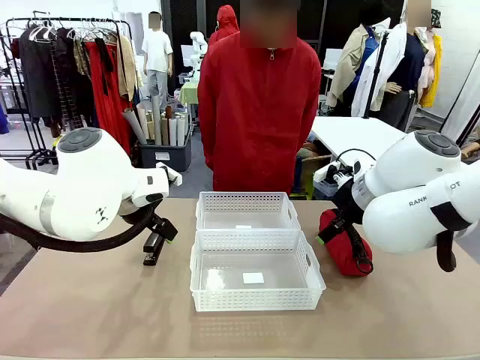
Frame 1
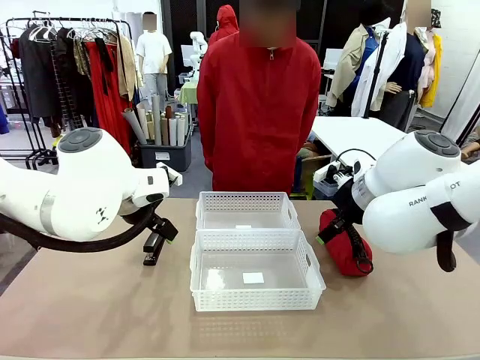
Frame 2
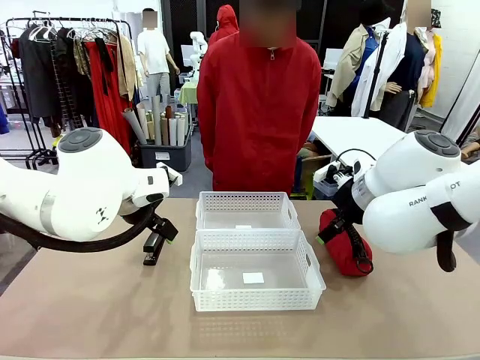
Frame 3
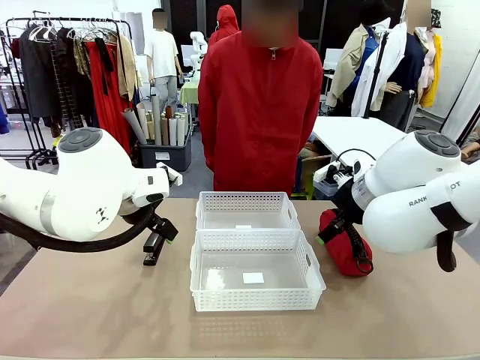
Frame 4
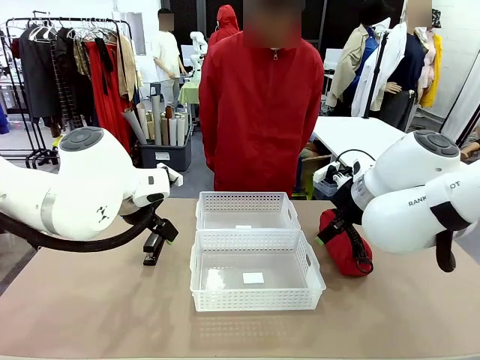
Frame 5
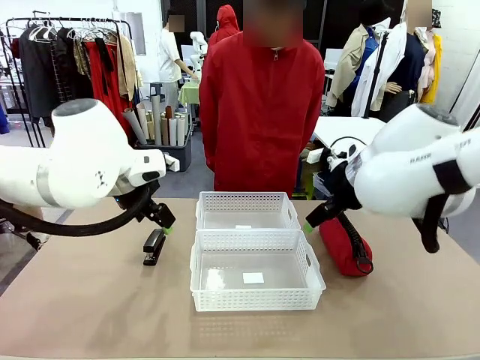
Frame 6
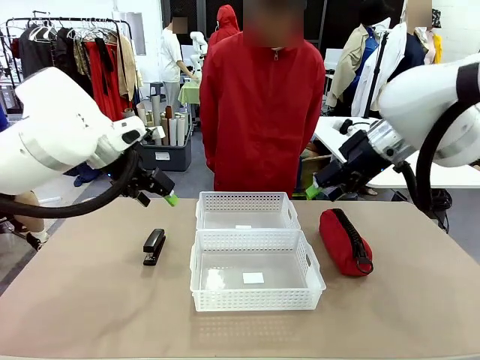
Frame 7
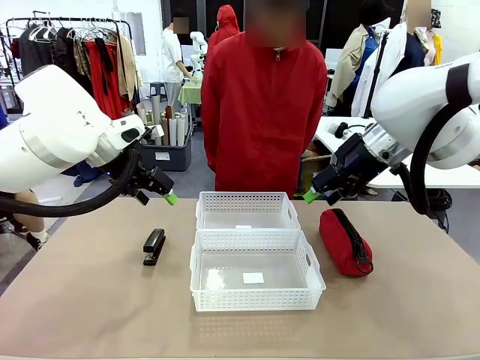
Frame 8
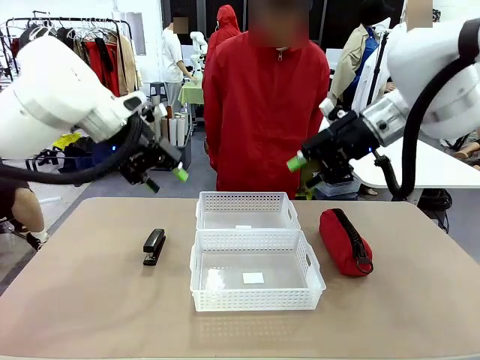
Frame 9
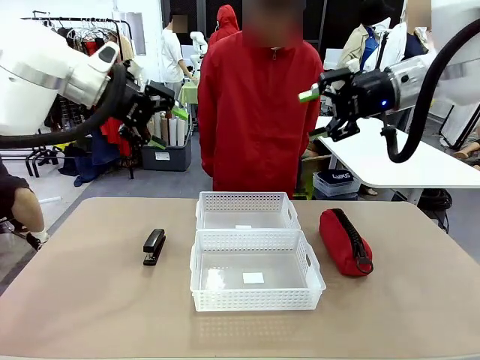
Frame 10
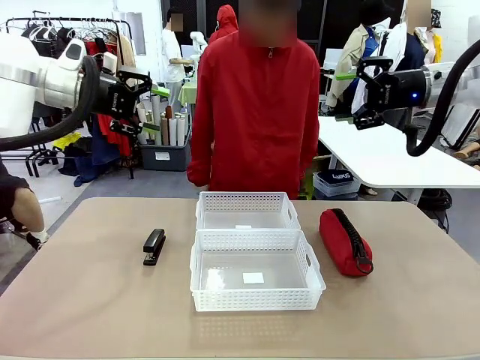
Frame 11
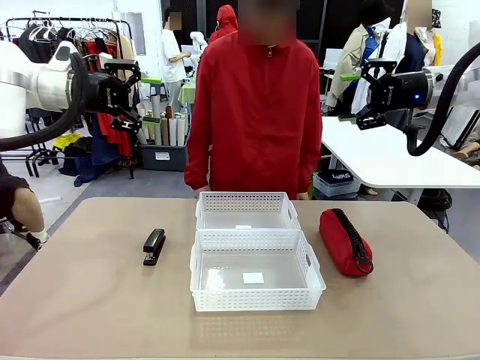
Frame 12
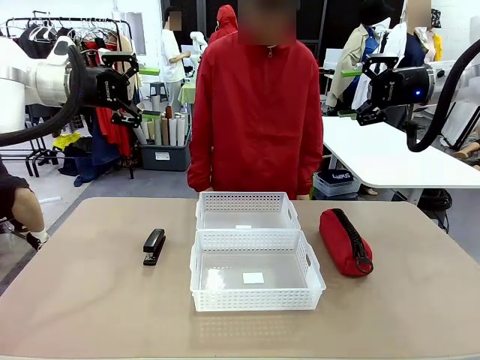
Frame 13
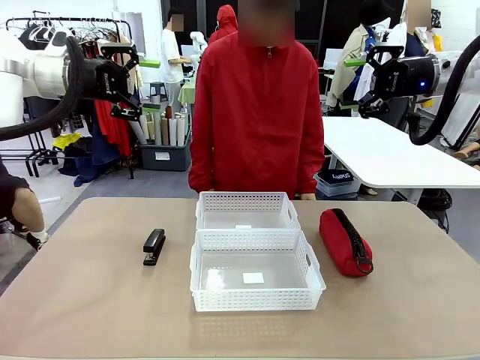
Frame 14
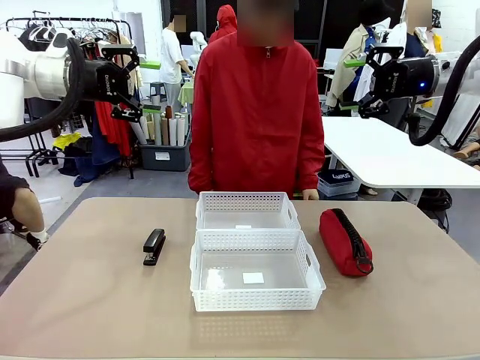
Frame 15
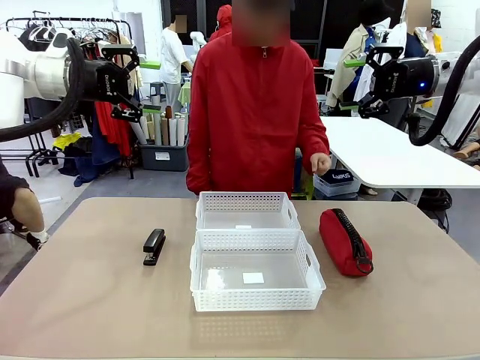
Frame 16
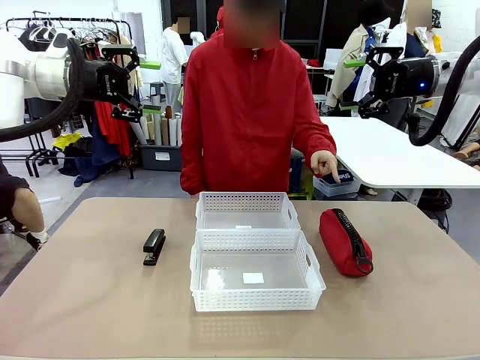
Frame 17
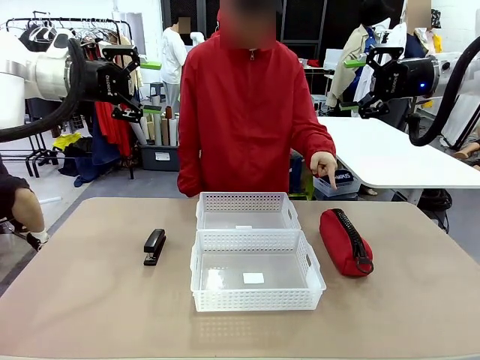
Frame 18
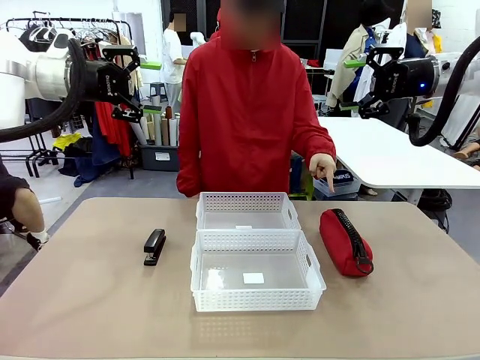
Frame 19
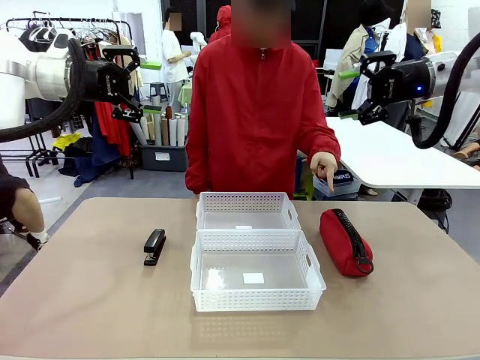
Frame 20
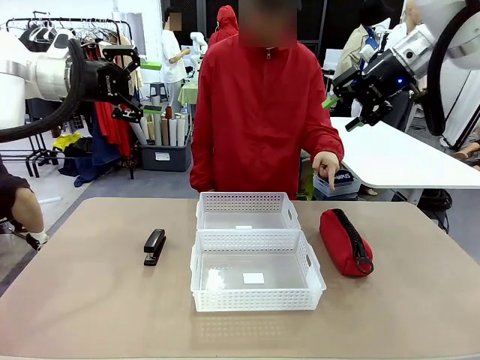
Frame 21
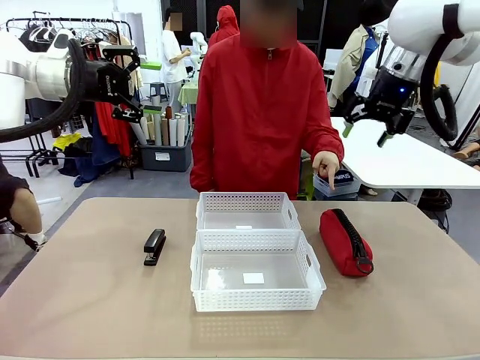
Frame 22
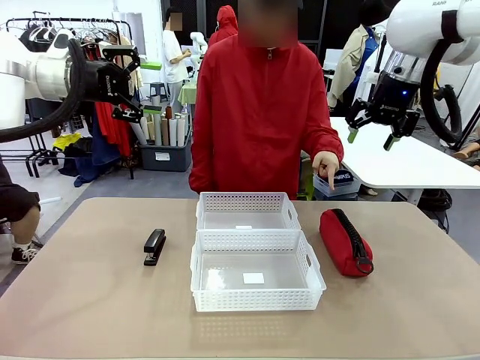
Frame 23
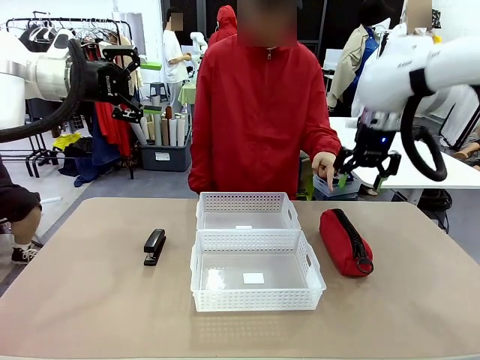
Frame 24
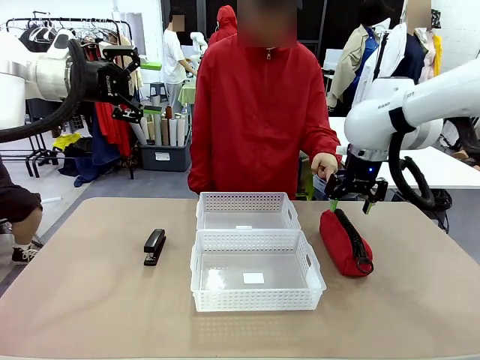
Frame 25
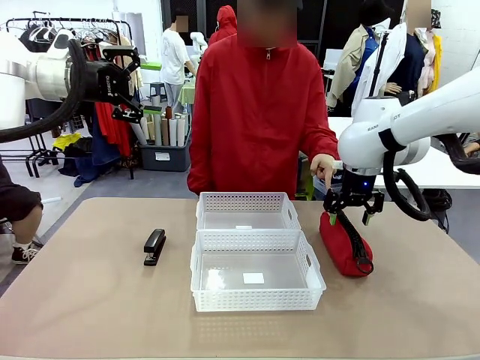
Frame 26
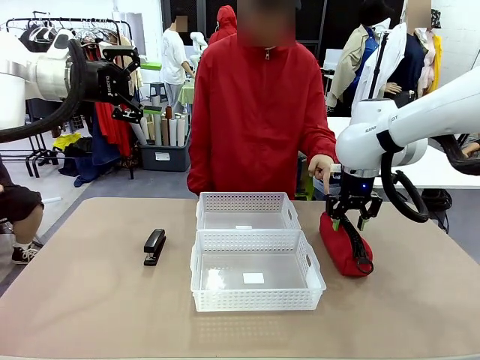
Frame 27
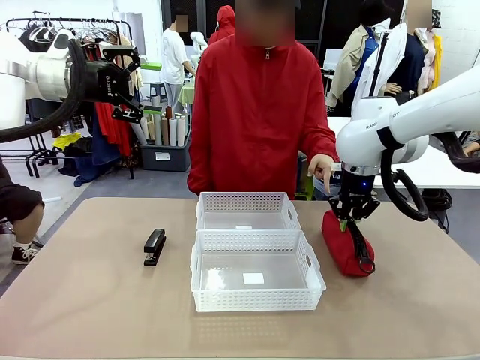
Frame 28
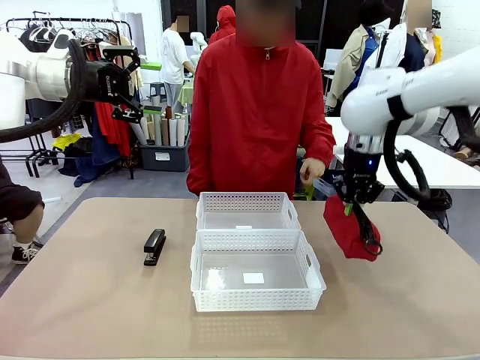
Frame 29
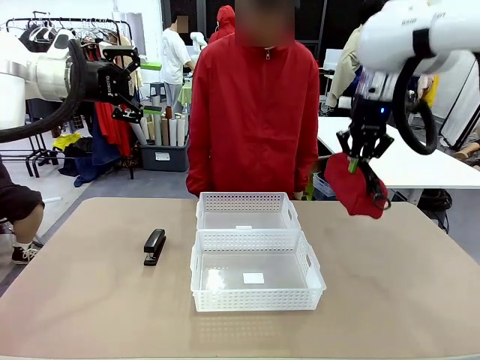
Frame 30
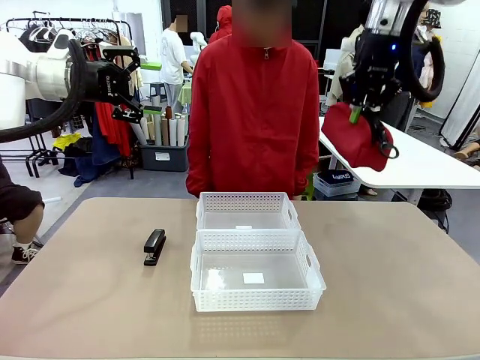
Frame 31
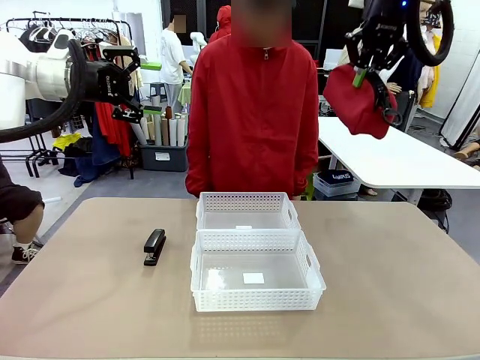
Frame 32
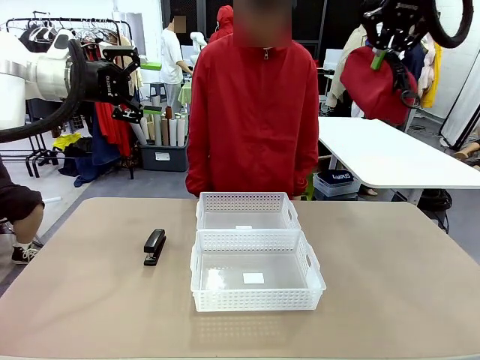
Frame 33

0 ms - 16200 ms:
Task: Distribute items into two baskets.
Robot: Pick up the Pencil pouch that the person points to.
Person: Points to the pencil case. Points between the two organizing baskets and instructs the robot to move the pencil case.

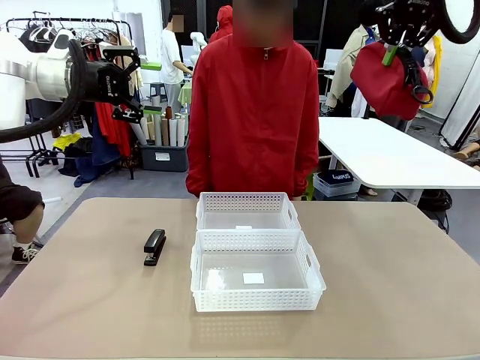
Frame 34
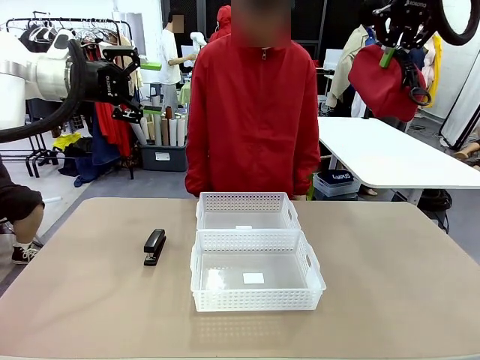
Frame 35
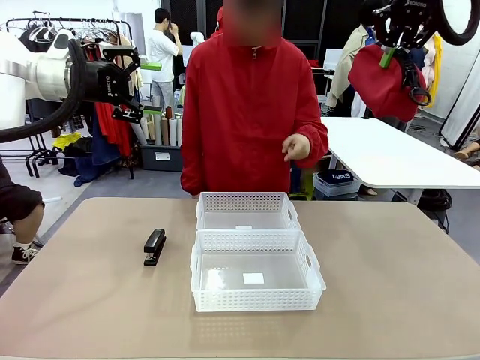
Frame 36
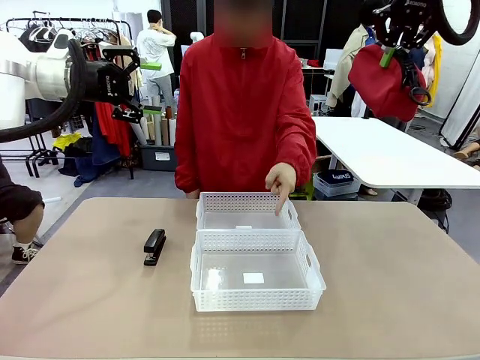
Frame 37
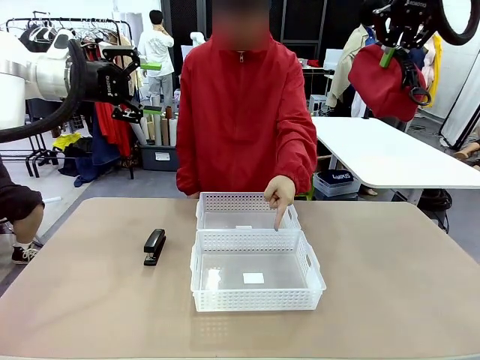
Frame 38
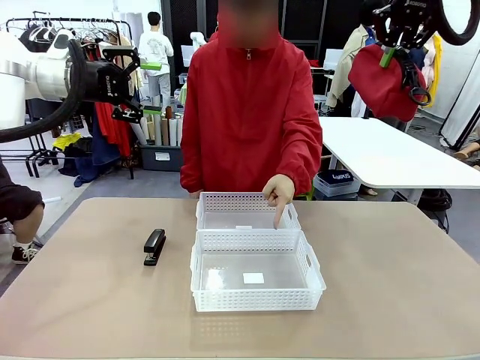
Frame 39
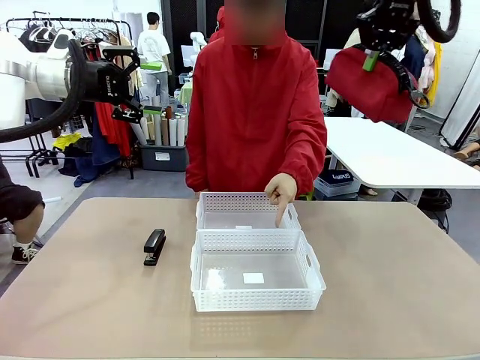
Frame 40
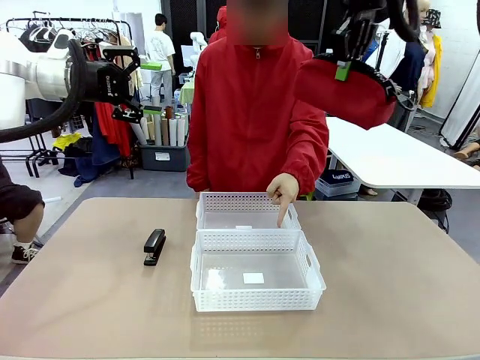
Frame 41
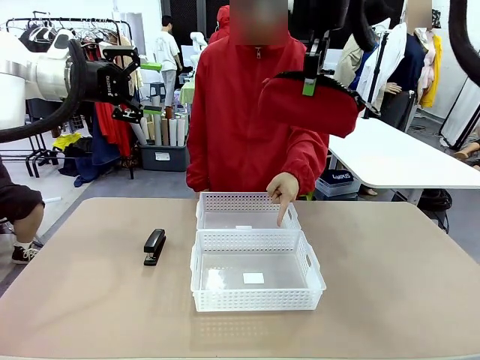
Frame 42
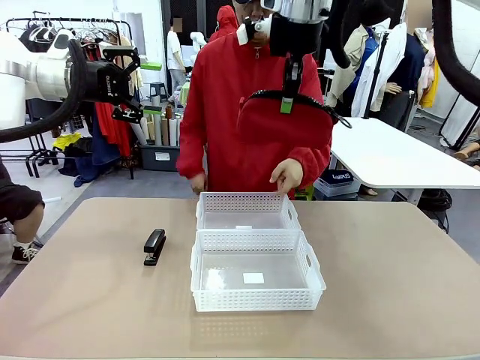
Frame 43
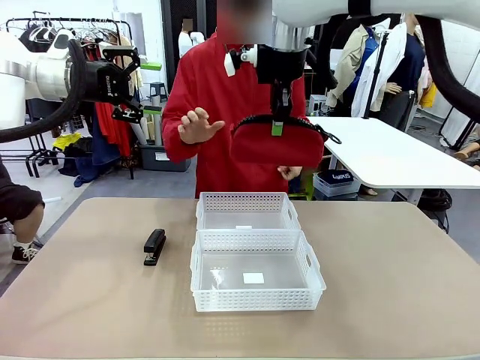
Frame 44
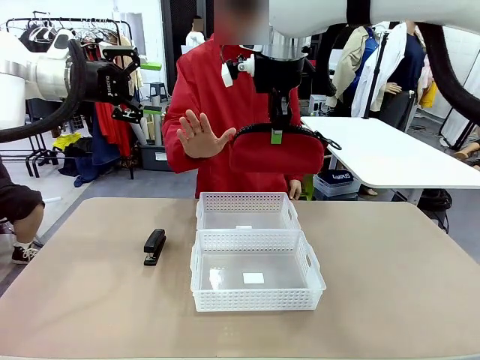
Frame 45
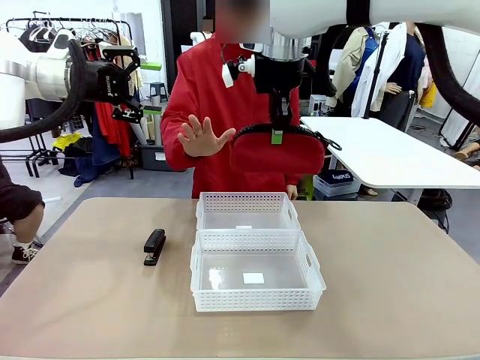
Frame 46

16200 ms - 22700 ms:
Robot: Move the picked Pencil pouch towards the Organizing basket indicated by the person, stopping as directed.
Person: Sends a stop gesture before the robot places the pencil case into the basket.
